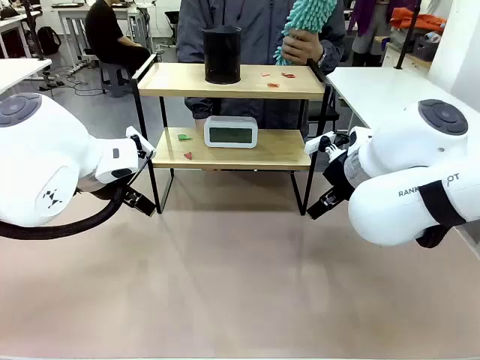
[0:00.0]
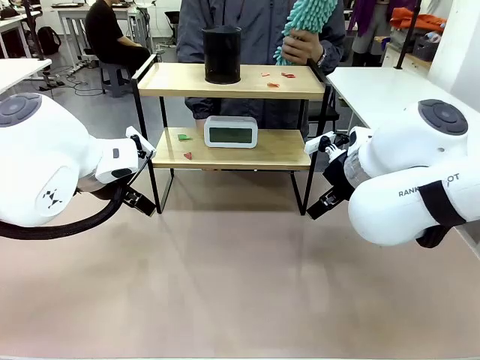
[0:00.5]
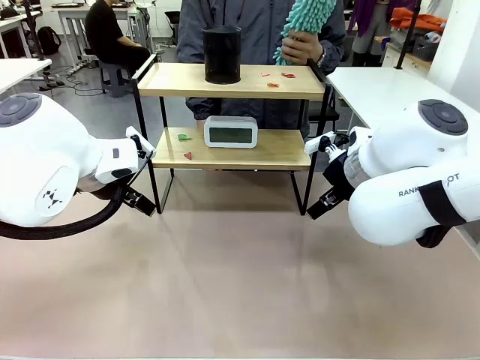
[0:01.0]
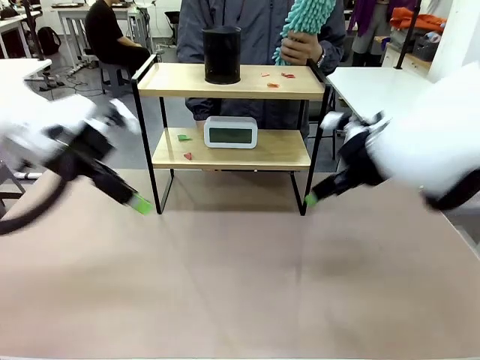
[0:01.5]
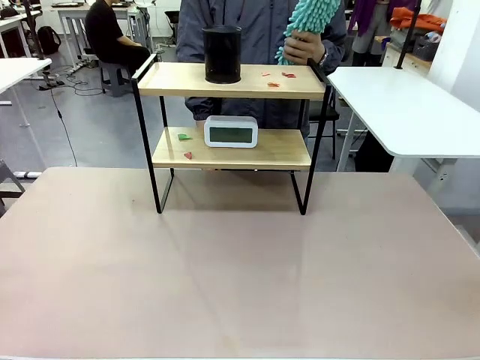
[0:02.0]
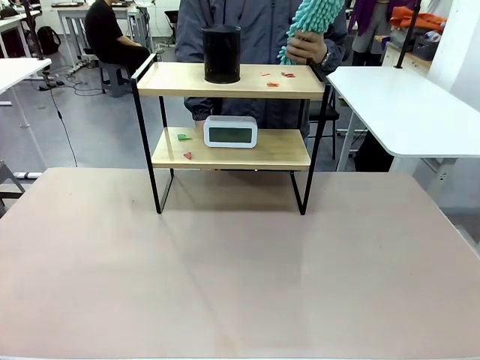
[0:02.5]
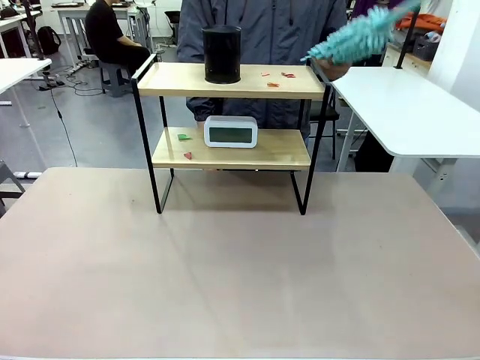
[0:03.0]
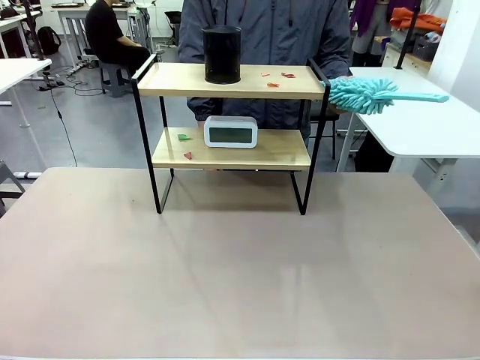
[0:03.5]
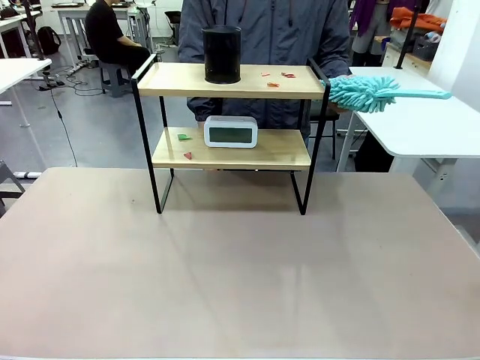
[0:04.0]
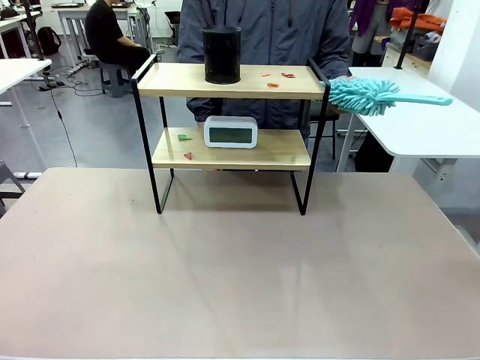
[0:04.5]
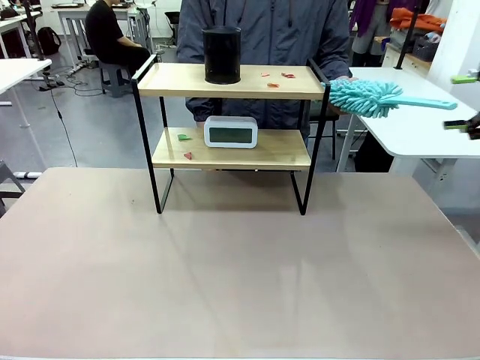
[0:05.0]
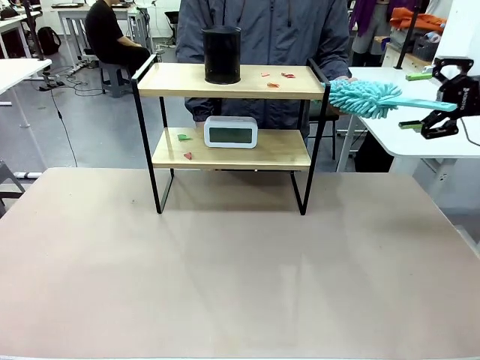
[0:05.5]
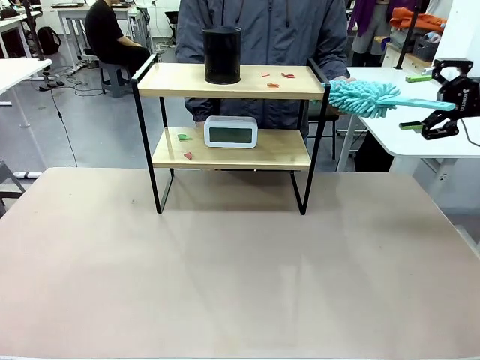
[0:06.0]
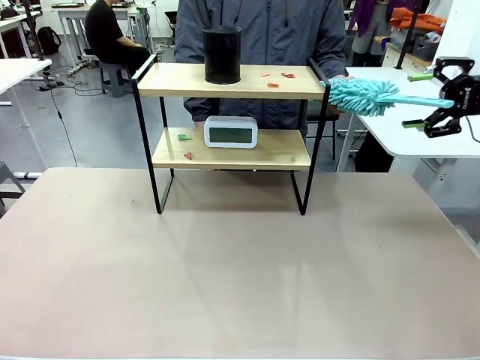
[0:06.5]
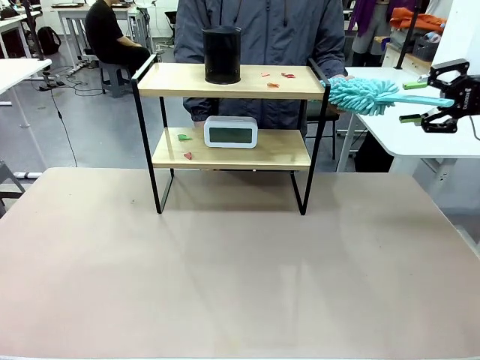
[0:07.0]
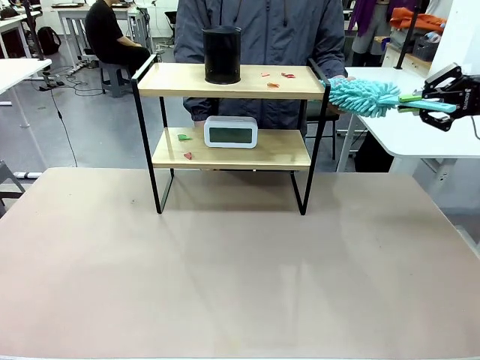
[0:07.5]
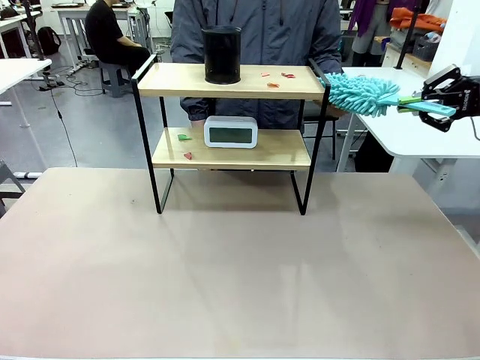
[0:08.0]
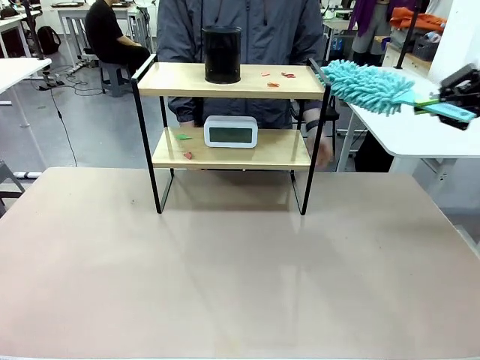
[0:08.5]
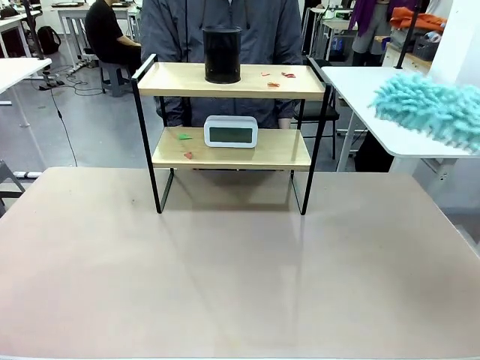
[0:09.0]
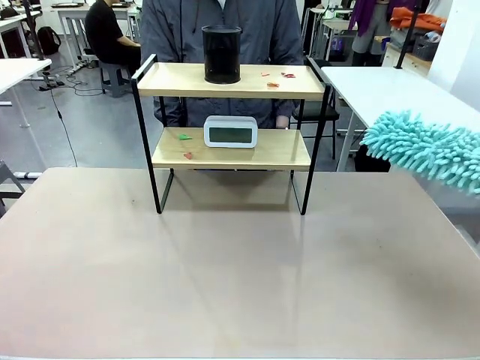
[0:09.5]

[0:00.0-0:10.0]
Task: Clean the shelf.
Robot: Pick up the Duster from the human.
Person: Hand the Duster to the robot.

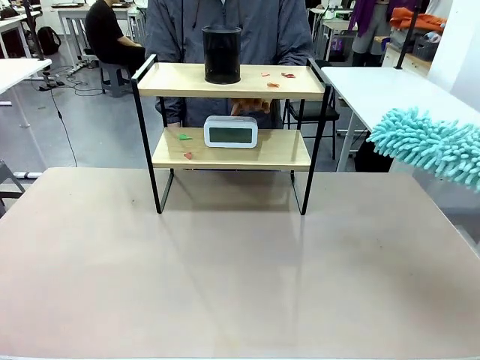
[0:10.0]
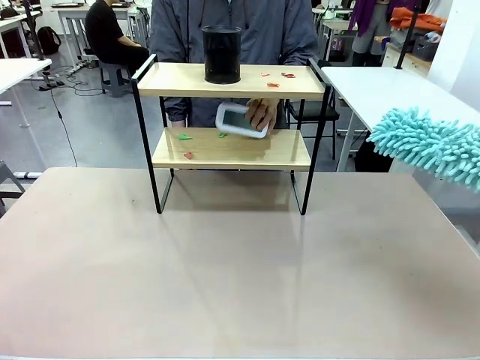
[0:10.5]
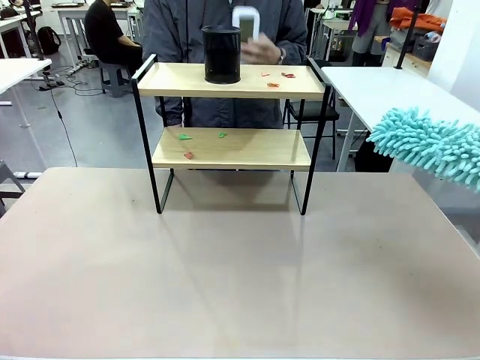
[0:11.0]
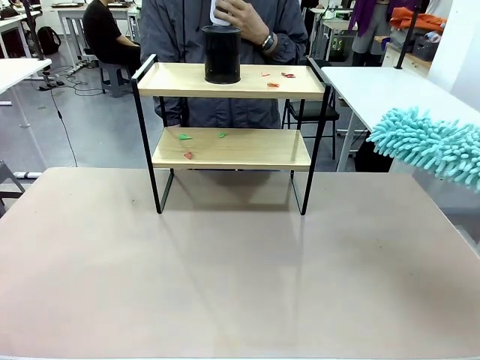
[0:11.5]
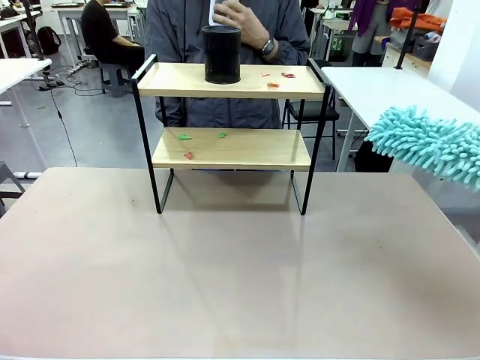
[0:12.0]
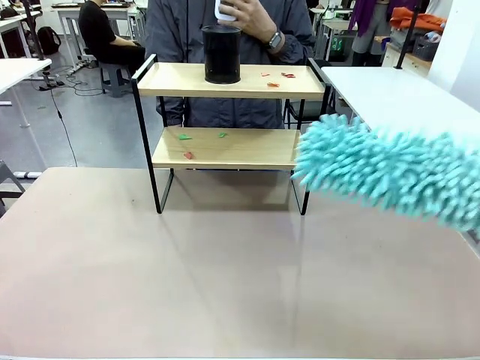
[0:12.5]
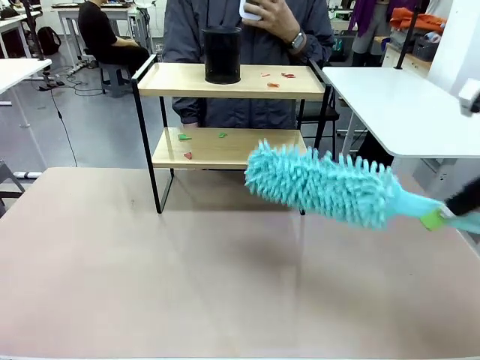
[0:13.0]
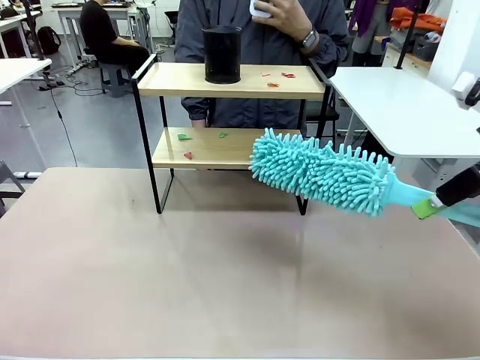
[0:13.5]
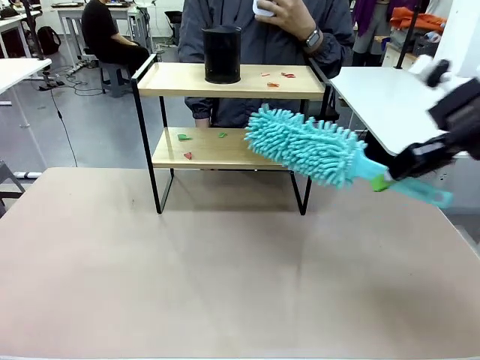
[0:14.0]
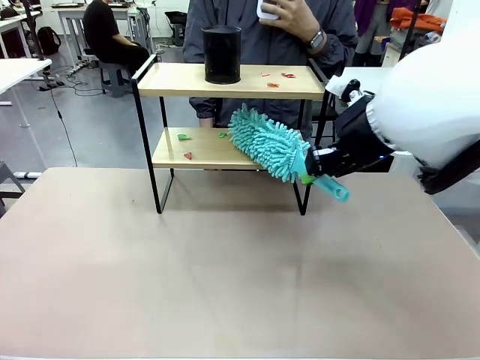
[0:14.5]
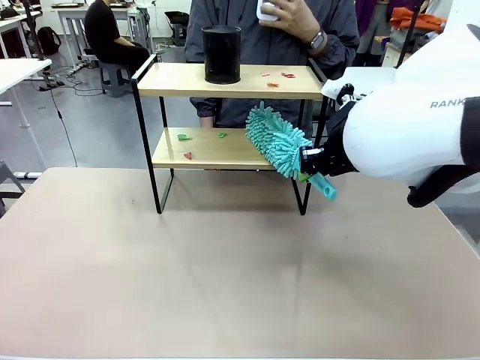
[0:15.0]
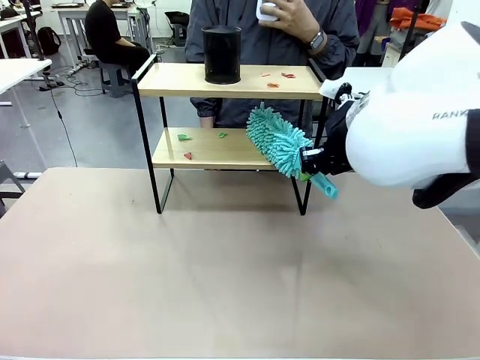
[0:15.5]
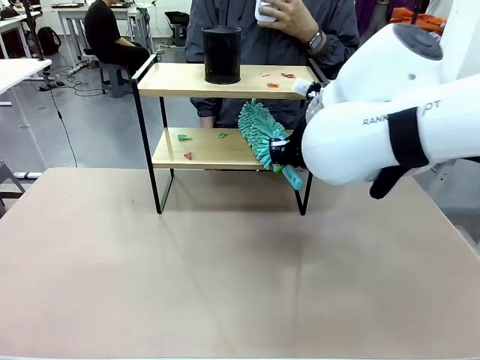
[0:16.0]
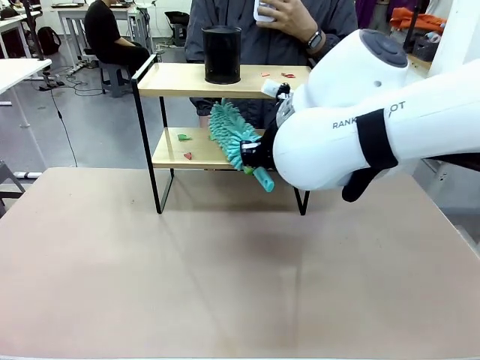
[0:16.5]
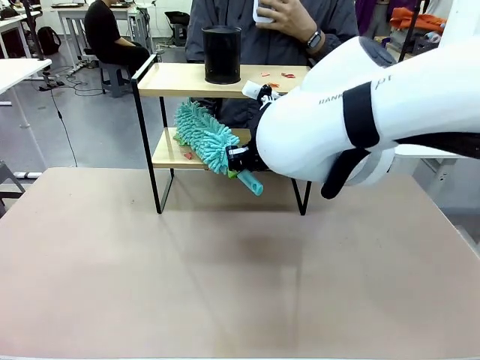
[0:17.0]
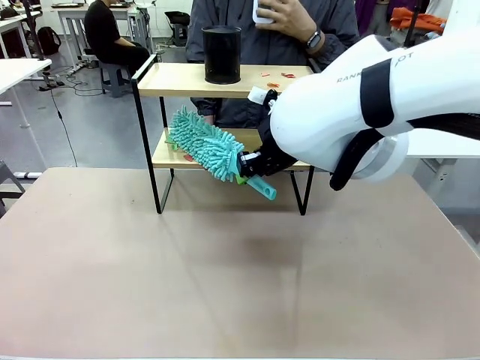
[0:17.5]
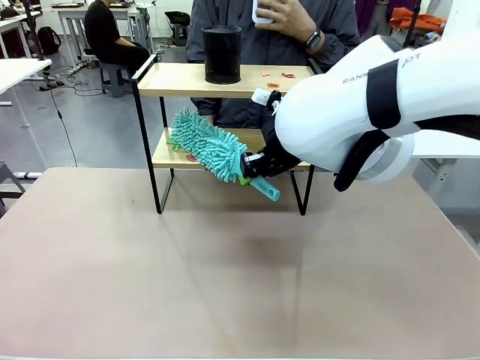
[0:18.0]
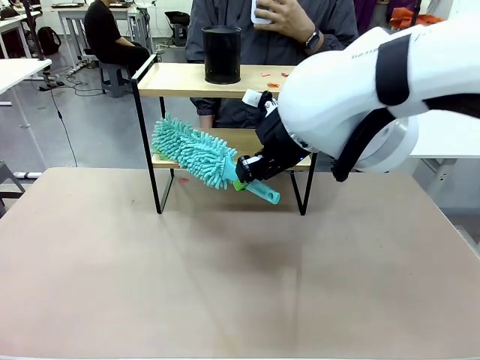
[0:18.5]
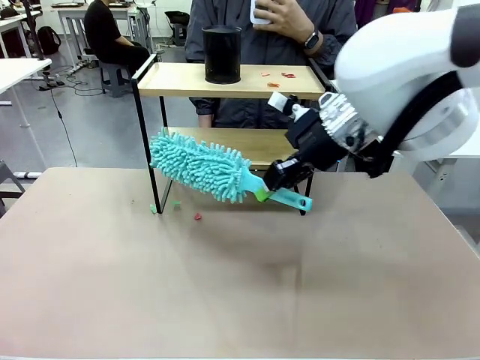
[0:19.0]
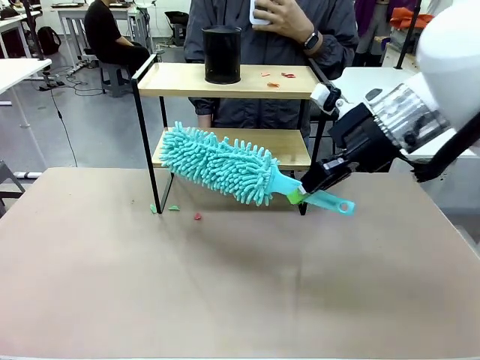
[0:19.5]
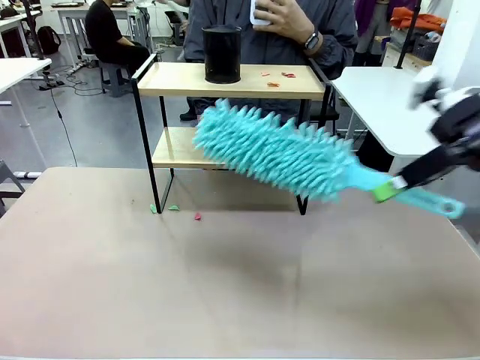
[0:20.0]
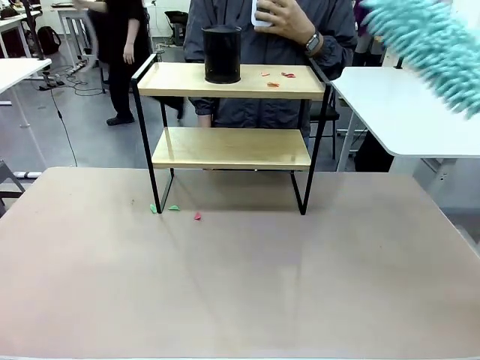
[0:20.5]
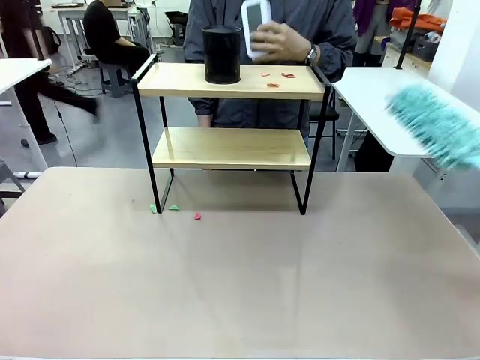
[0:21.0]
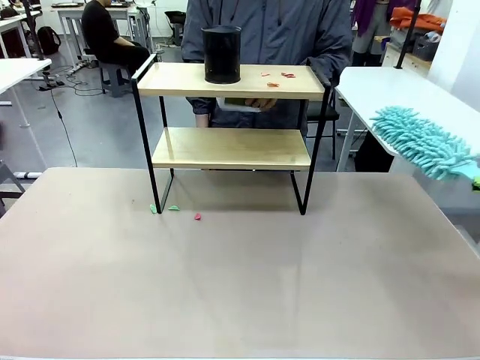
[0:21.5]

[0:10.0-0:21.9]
Robot: Clean the specific tier of the Shelf with the Duster once objects are removed.
Person: Lift the objects on a randomly selected tier of the Shelf. Once the robot finishes cleaning, lift the objects on the remaining tiers of the Shelf.

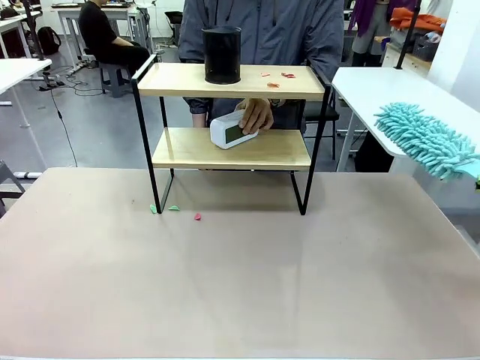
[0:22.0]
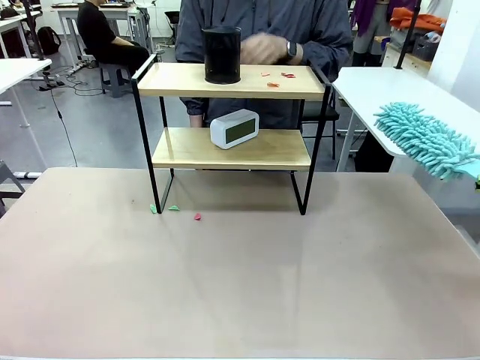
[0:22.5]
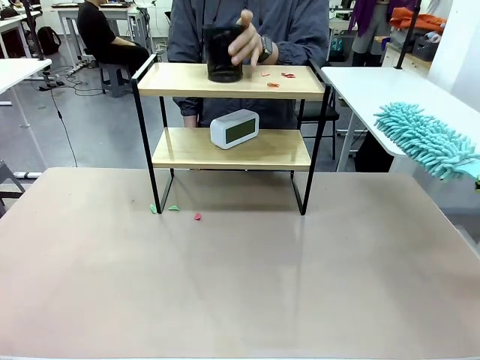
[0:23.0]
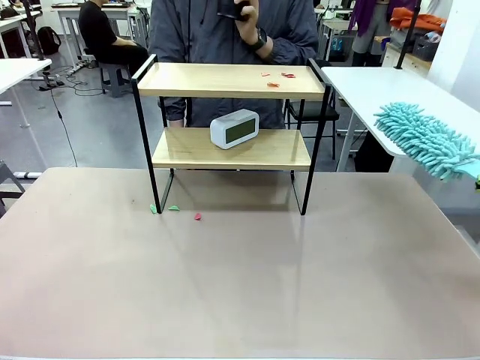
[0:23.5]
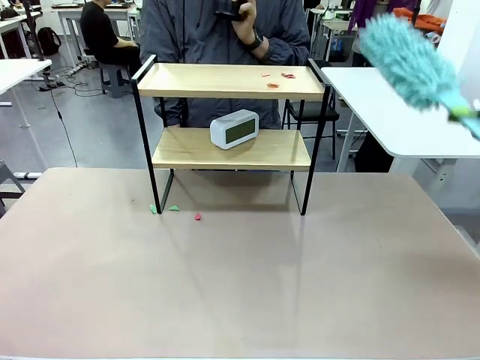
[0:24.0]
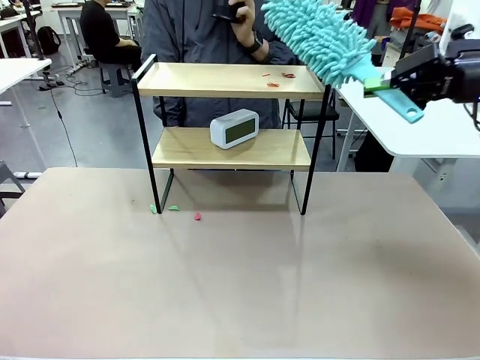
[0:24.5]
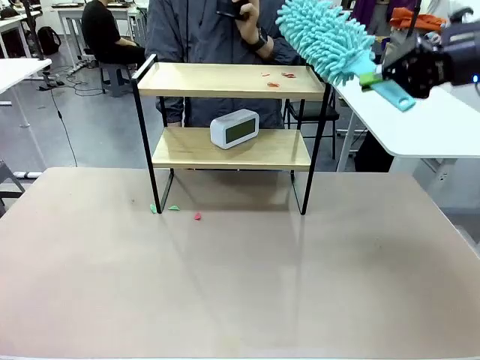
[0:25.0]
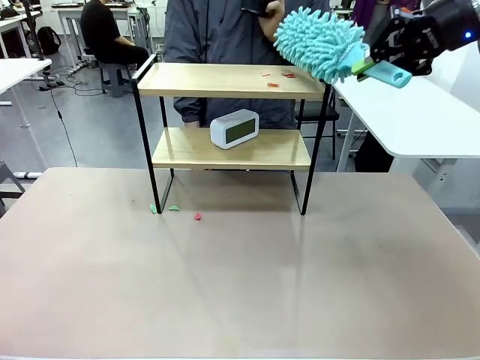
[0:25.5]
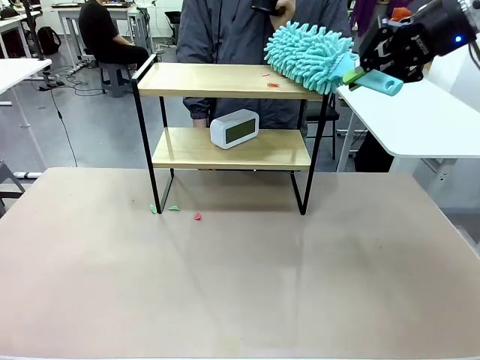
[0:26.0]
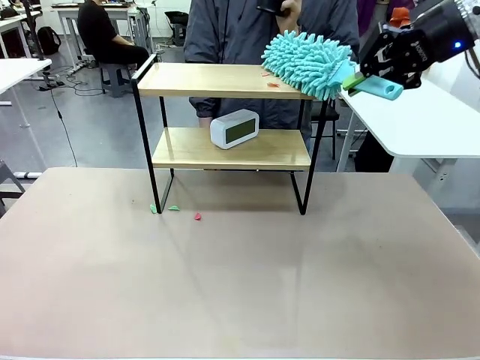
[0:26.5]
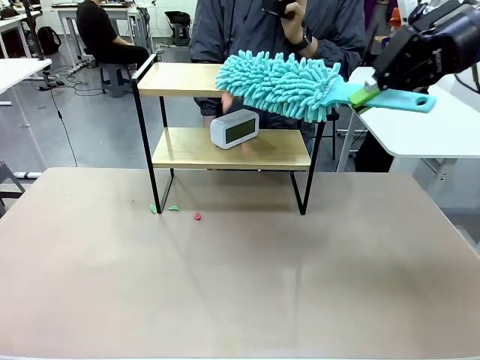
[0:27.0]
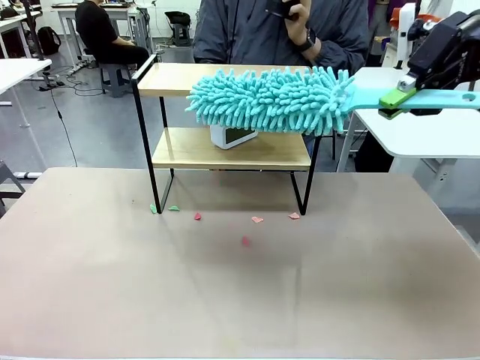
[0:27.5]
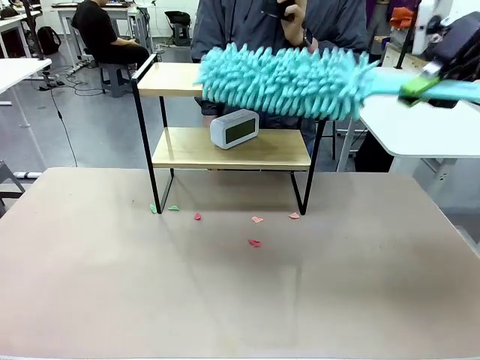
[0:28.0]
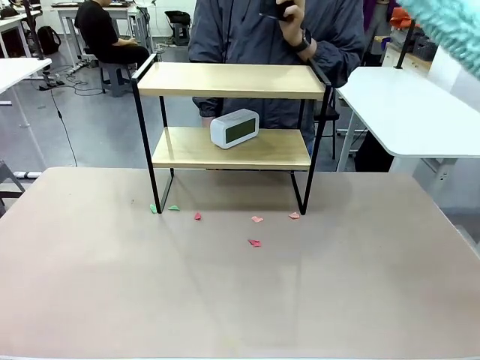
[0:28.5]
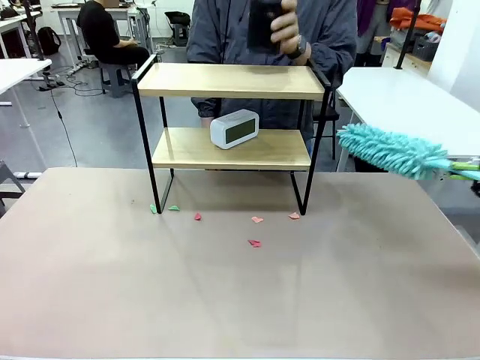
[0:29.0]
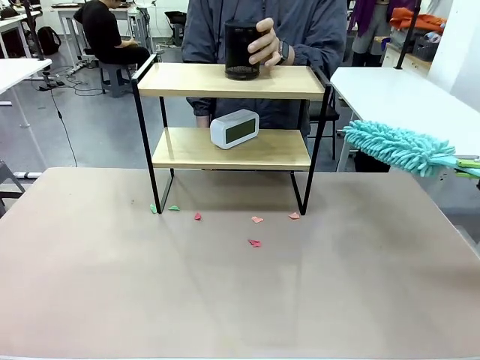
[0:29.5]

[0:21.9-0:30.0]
Robot: Clean the remaining tier of the Shelf with the Duster once objects are removed.
